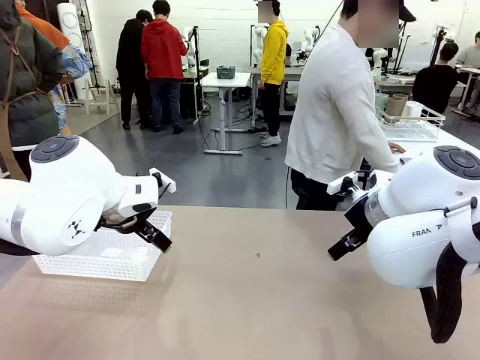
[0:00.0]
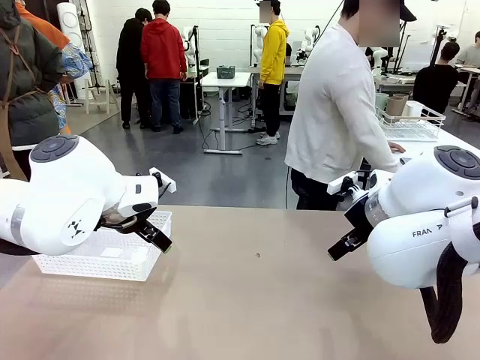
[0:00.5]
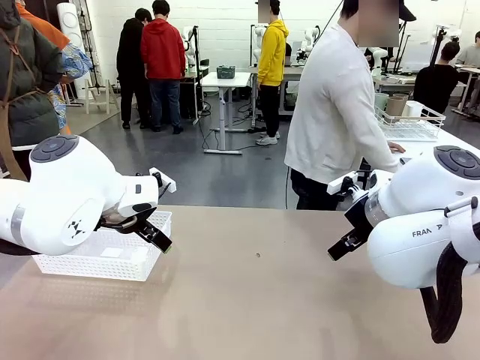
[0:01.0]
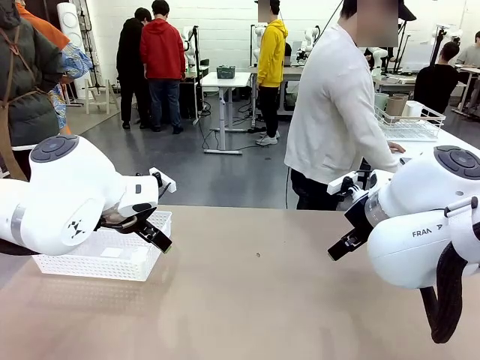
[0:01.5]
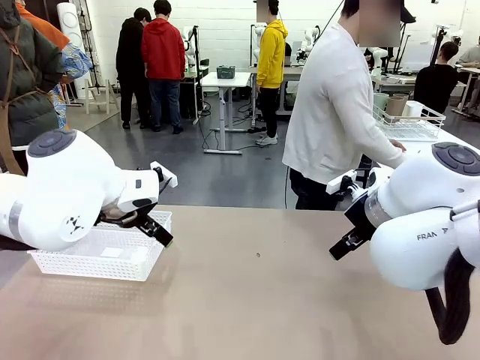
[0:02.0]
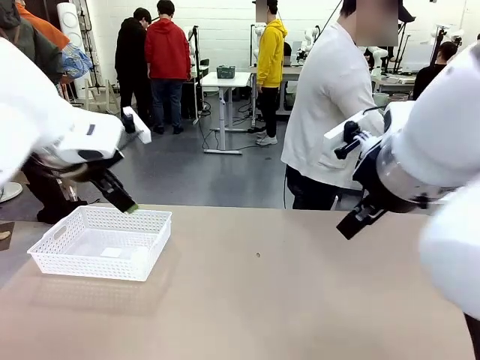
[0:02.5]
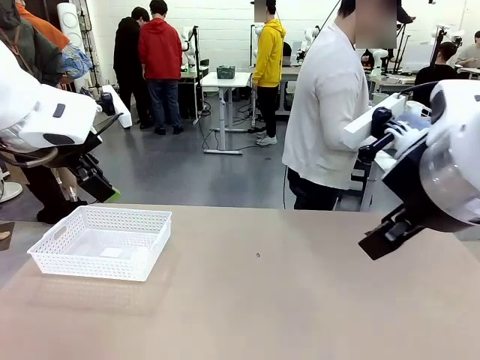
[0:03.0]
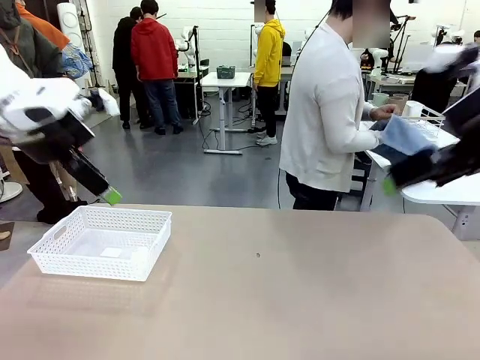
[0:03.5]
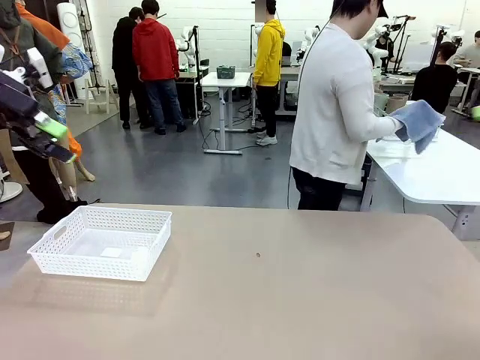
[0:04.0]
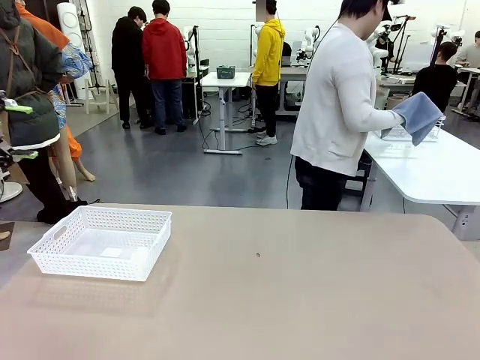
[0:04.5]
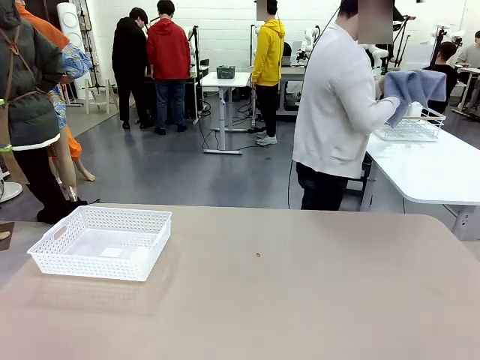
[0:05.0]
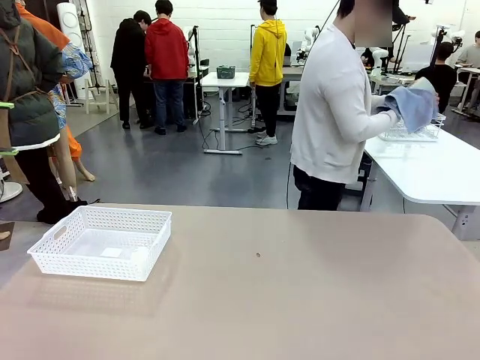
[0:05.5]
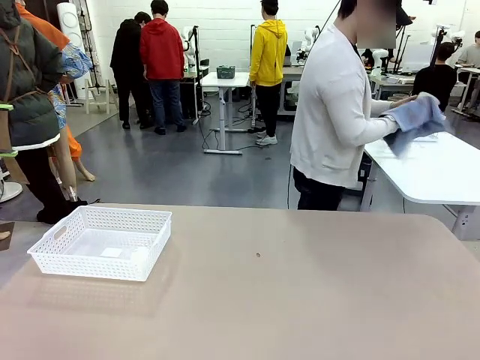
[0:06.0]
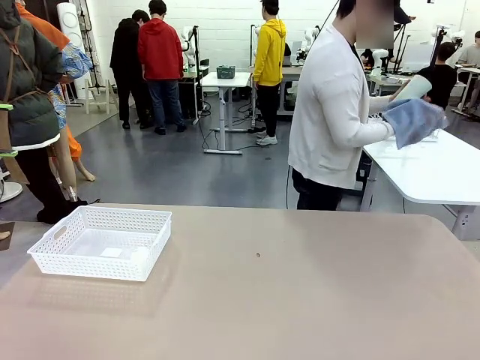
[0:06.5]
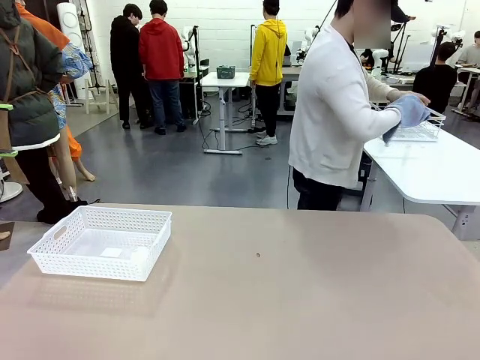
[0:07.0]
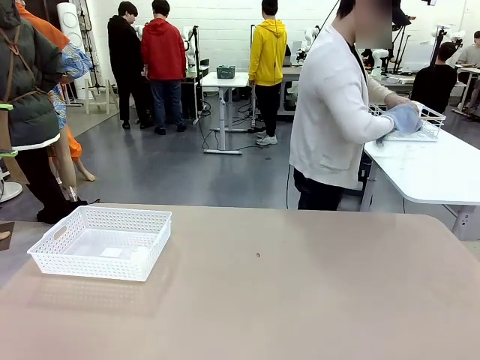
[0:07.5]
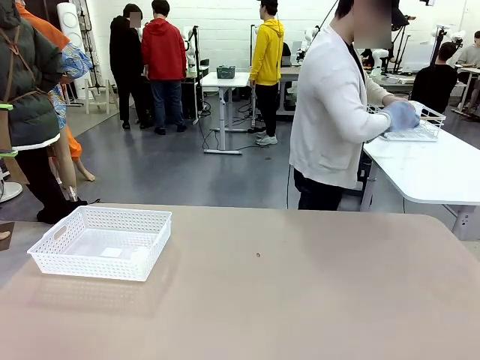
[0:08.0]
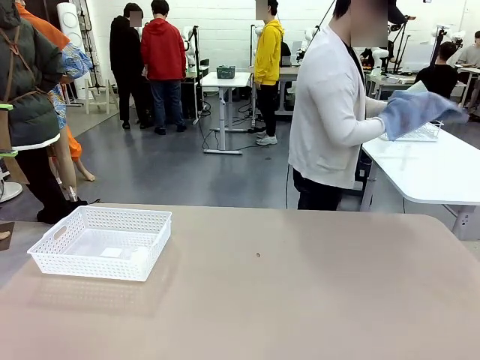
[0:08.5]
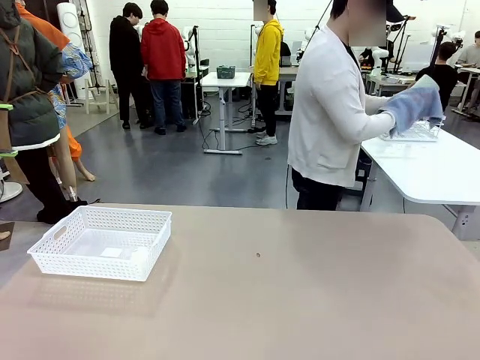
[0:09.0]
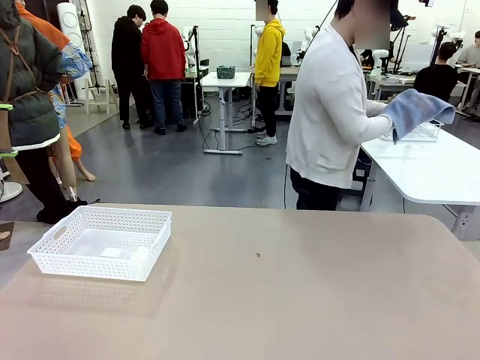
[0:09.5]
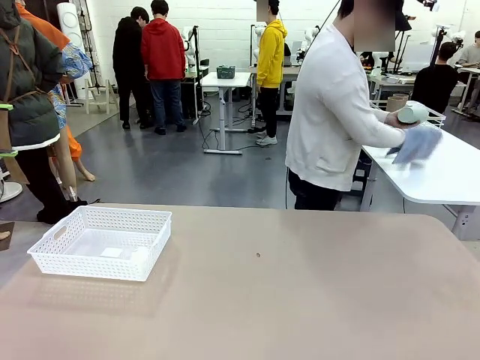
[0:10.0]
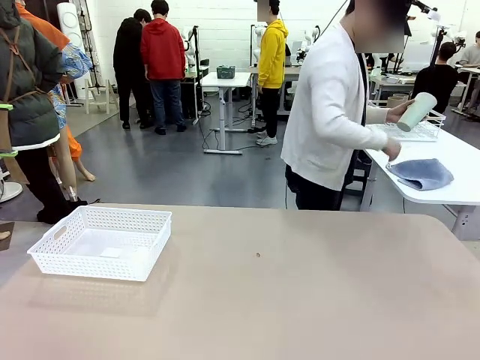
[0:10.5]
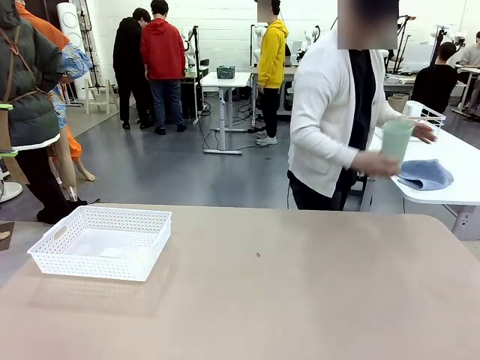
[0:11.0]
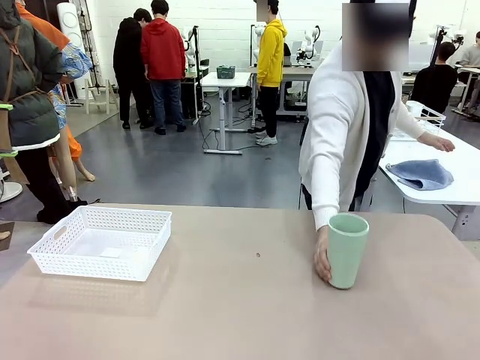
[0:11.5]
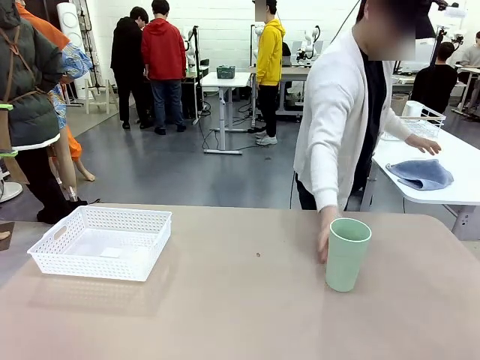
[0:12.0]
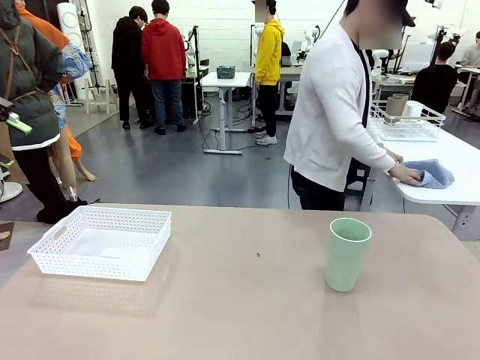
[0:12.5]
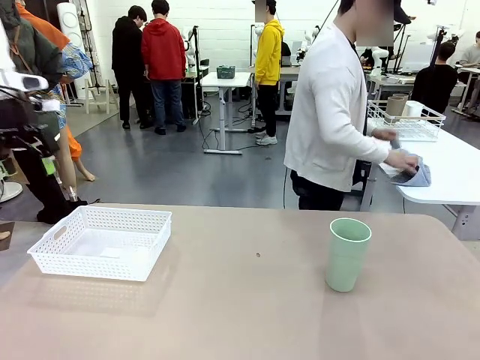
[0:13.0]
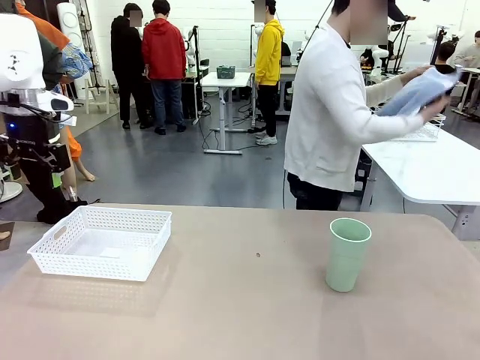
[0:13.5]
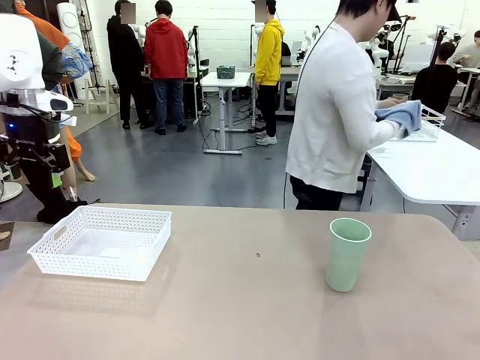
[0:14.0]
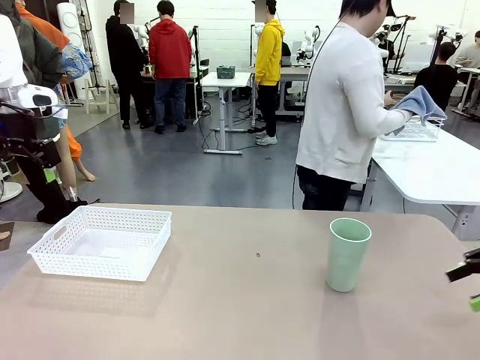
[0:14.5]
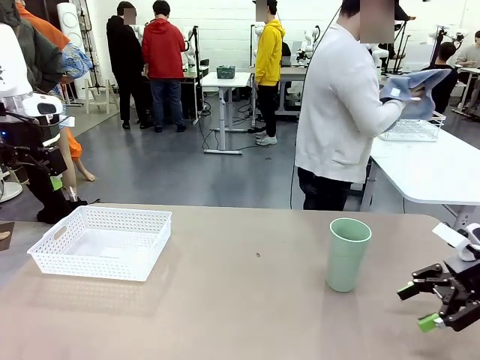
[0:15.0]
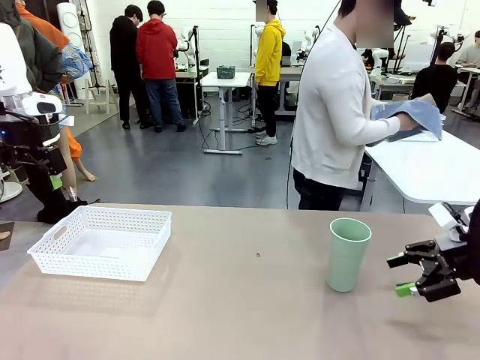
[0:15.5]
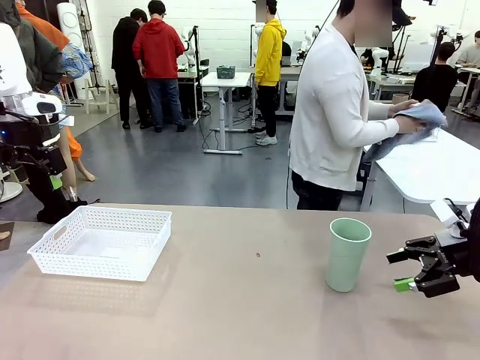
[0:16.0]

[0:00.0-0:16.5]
Task: Clean and organize the cups into the basket.
Robot: Pick up the Organizing basket and move it to the center of the table, then pick up the Reusable plastic cup from the right side of the table and place it inside the Organizing basket.
Person: Picks up a cup and a towel, cleans the cup with the towel, and places it on the left side of the robot table.
